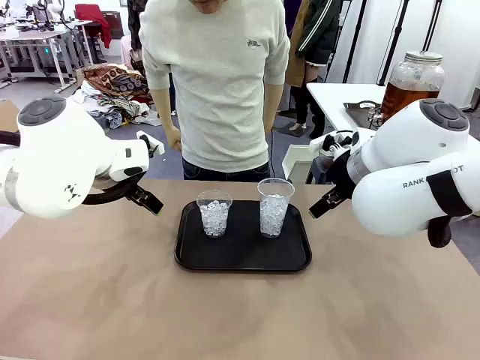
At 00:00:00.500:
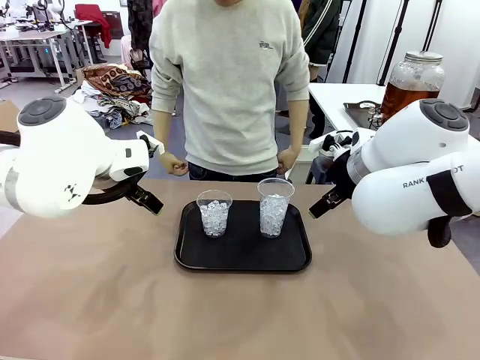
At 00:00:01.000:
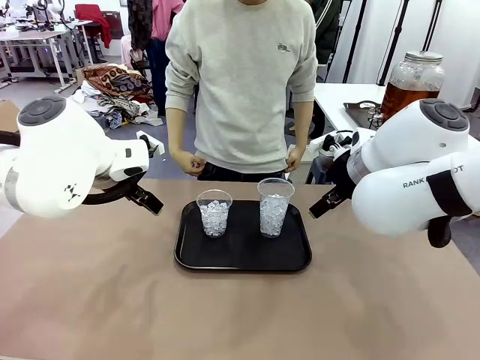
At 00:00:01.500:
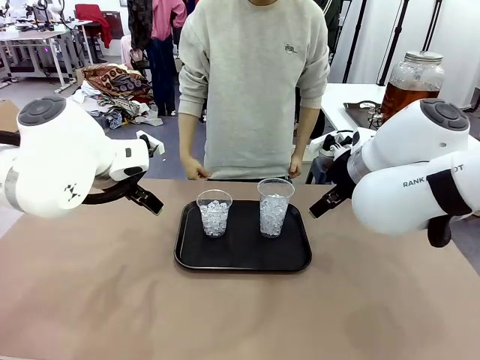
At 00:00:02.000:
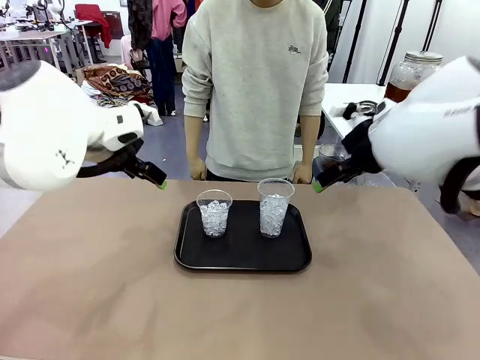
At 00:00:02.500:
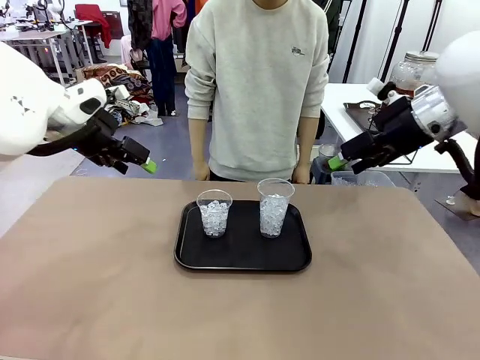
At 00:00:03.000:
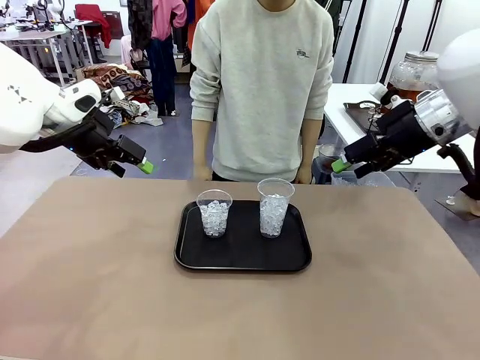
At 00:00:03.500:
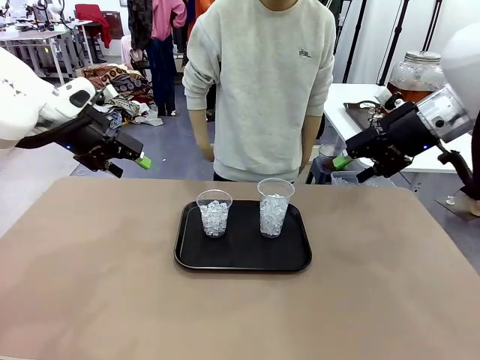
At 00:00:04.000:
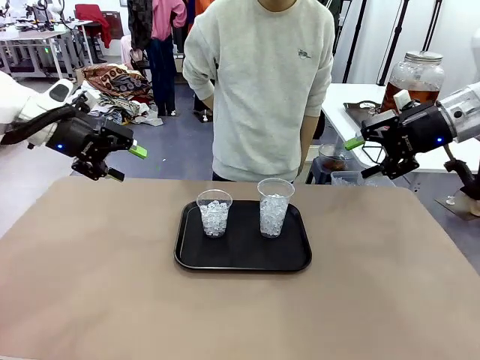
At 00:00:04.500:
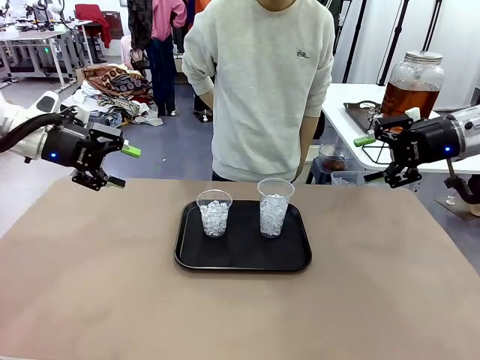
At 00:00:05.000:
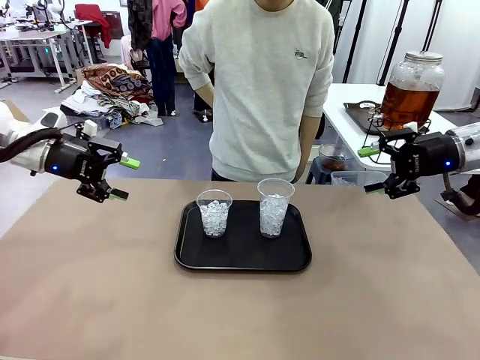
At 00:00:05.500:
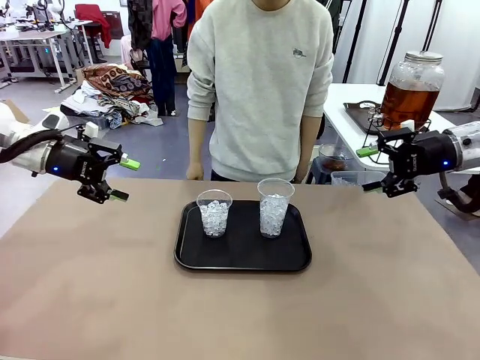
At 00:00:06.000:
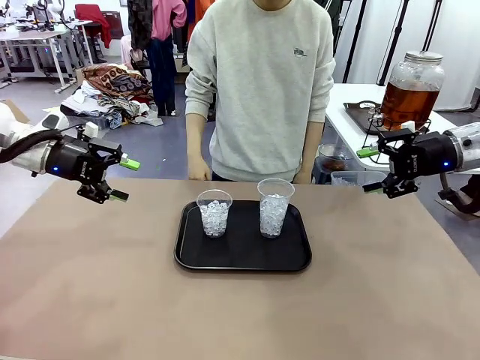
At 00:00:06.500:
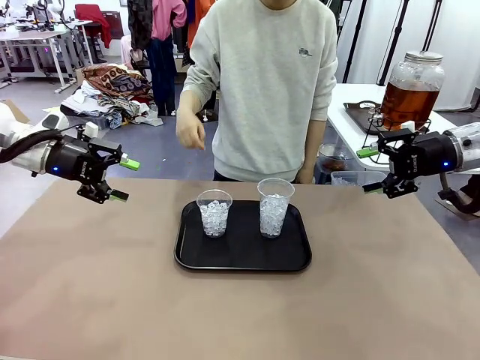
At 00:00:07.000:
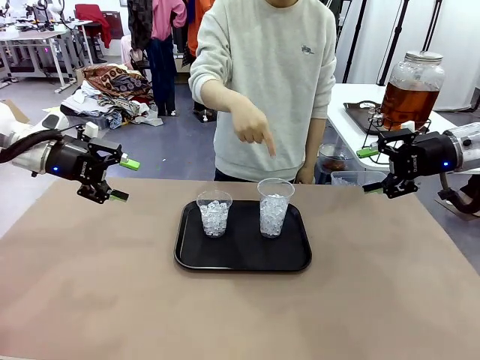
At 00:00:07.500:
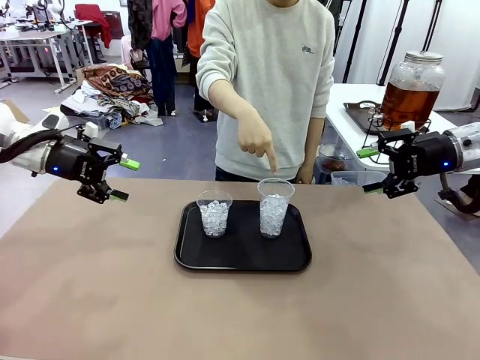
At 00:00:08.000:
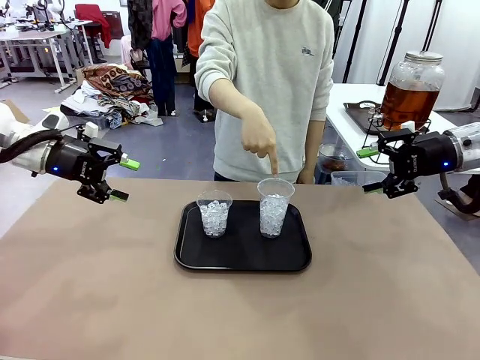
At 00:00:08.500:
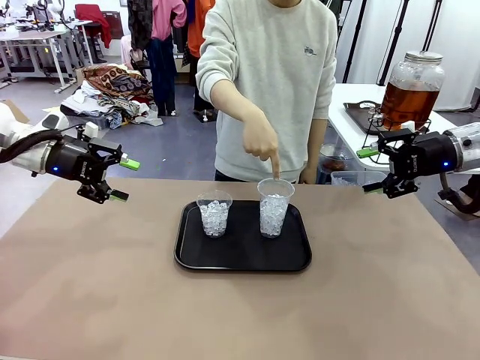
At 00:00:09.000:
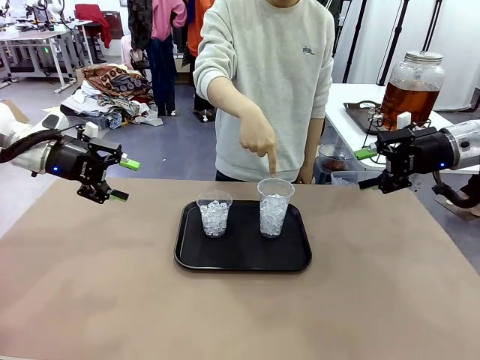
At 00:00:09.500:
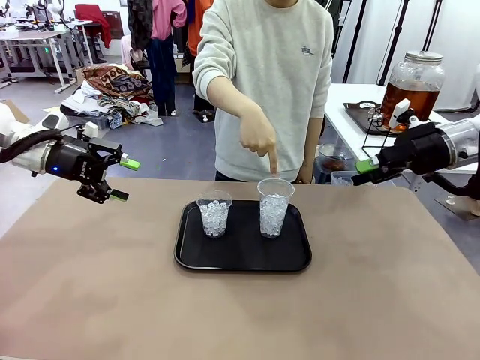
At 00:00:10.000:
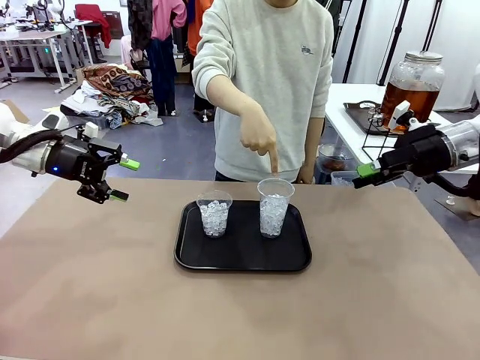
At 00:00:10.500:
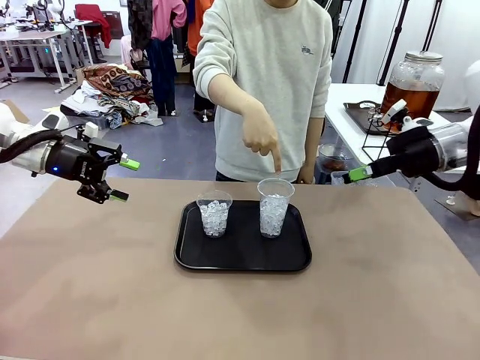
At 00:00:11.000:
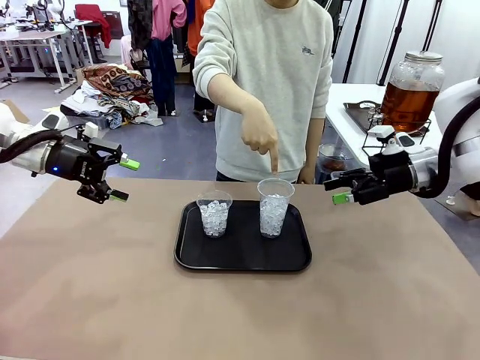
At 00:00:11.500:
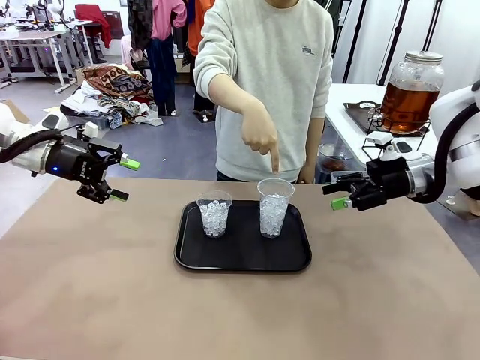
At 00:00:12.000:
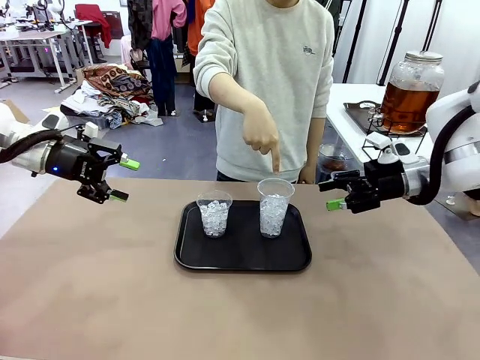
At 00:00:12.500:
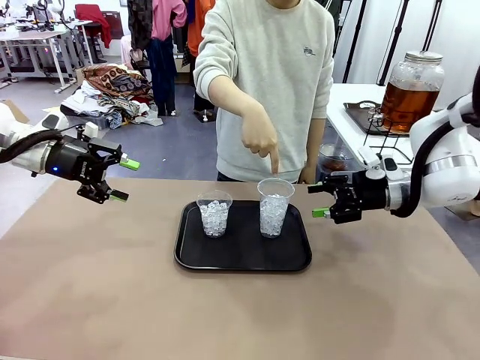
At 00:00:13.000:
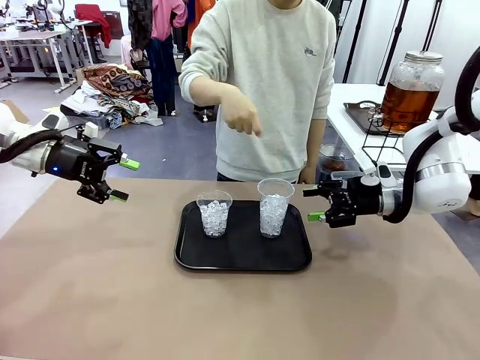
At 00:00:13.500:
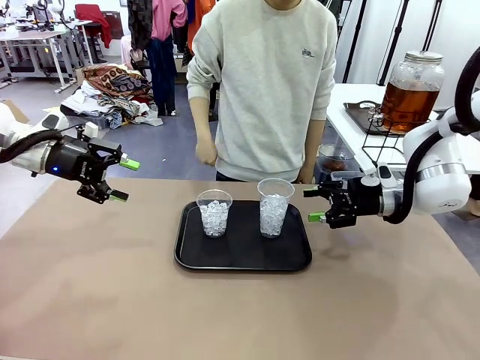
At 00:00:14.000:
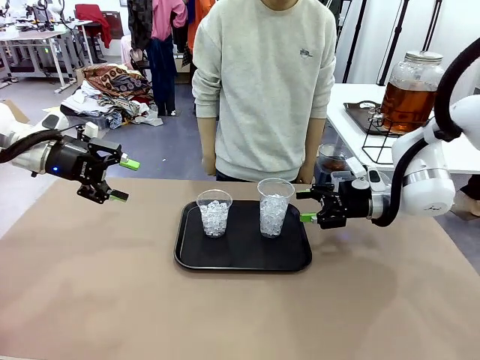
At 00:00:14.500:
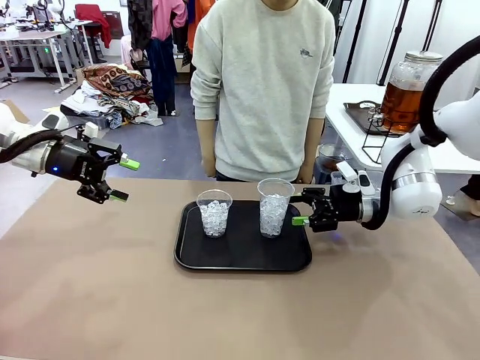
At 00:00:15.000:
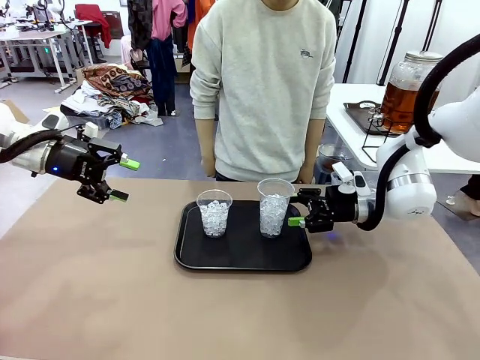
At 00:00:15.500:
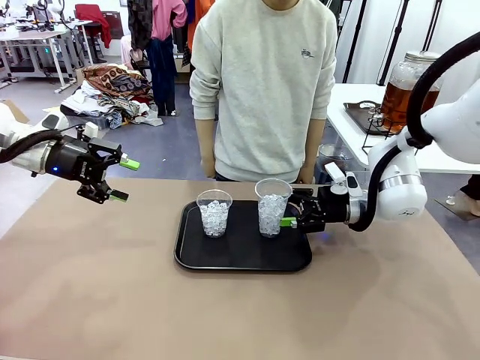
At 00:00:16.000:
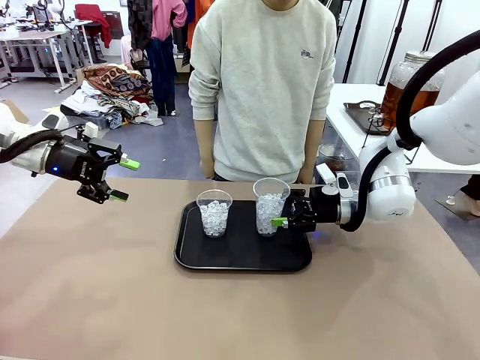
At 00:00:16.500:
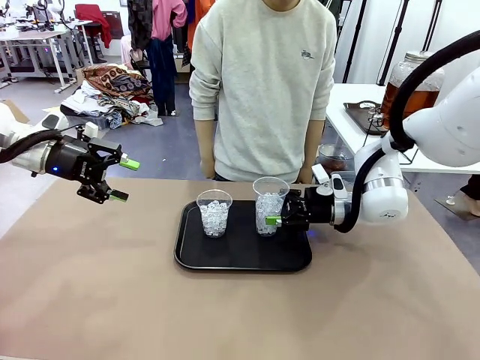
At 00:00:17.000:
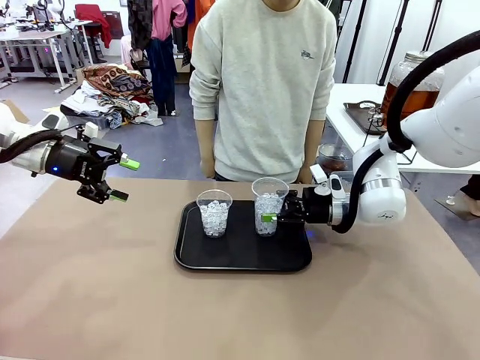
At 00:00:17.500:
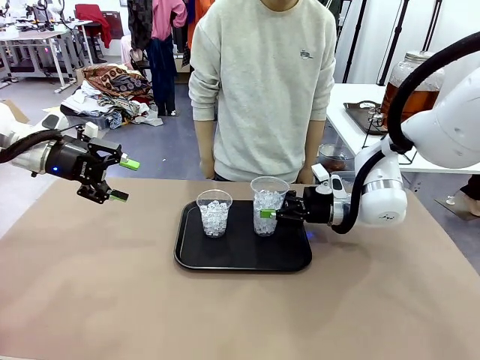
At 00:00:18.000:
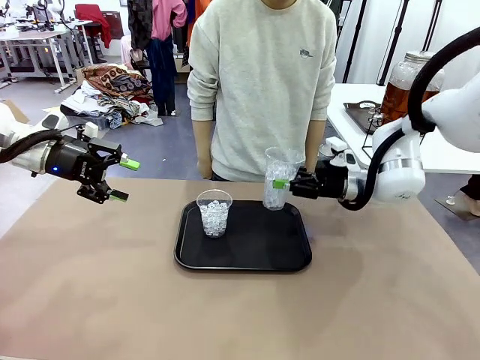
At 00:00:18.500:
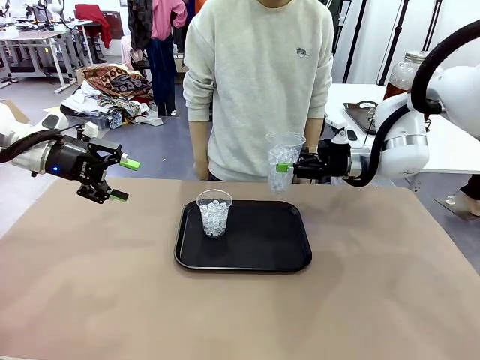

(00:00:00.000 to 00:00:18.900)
Task: Pour the drink into the iced cup.
Robot: Pick up the iced cup indicated by the human and present it to them.
Person: Point to one of the two ice cups. Pick up the cup offered by the robot.

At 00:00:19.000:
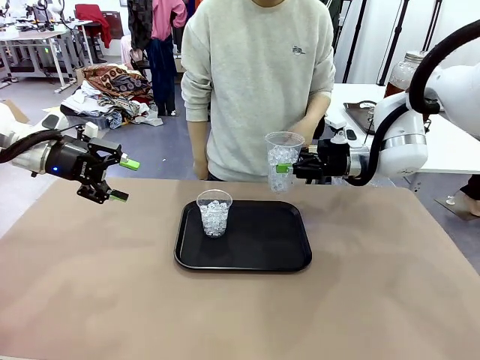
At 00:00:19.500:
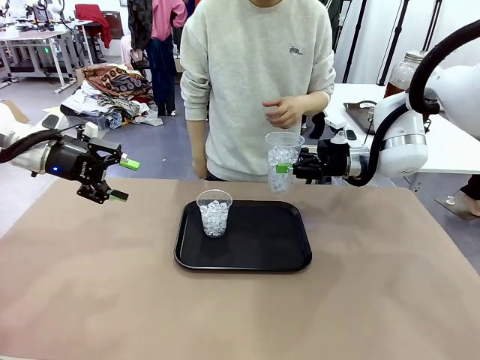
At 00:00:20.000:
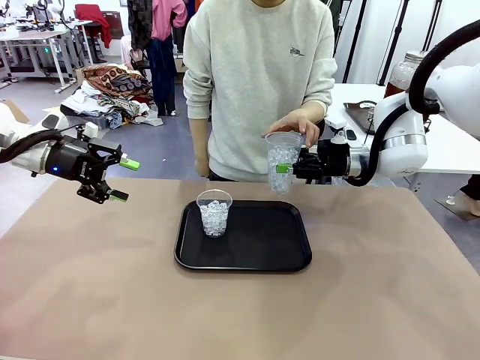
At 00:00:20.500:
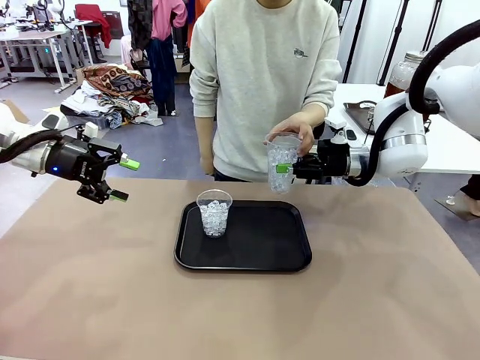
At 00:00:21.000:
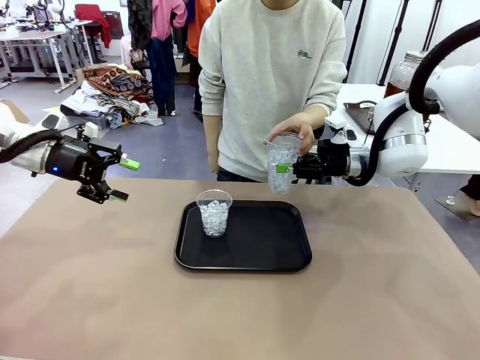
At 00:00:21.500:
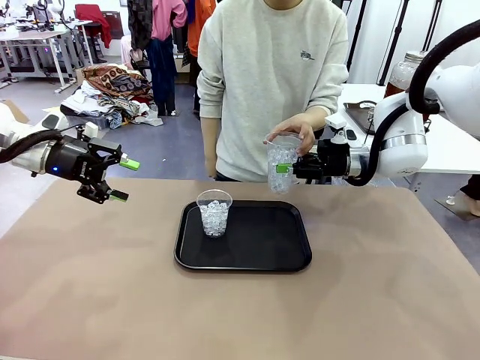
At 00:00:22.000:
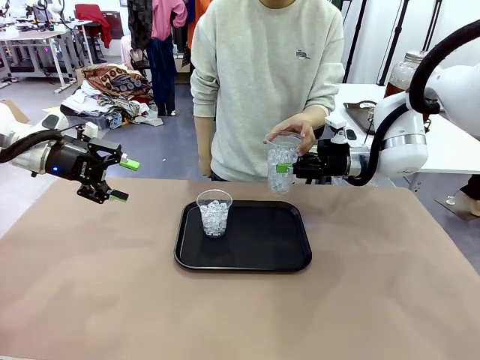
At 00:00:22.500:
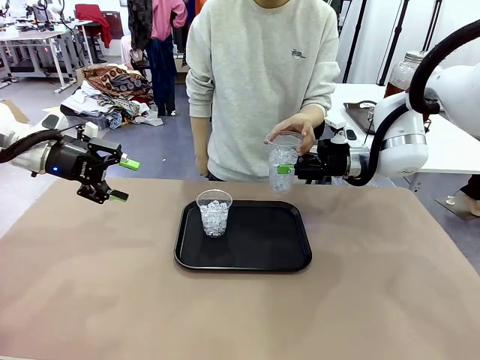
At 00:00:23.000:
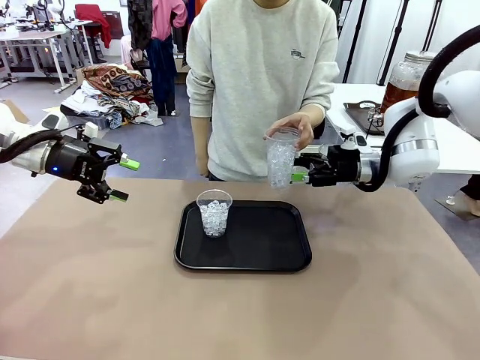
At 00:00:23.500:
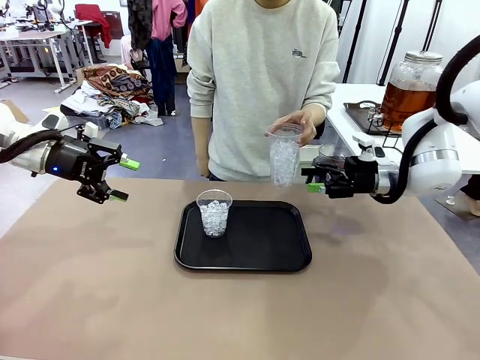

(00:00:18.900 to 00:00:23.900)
Robot: Open the gripper to release the iced cup you were holding.
